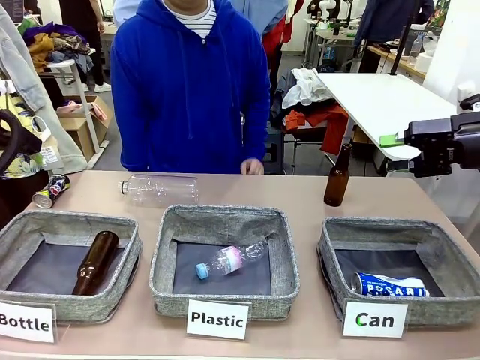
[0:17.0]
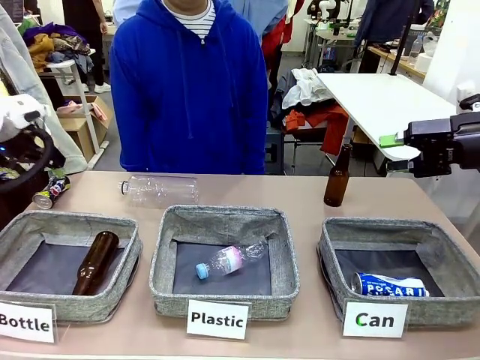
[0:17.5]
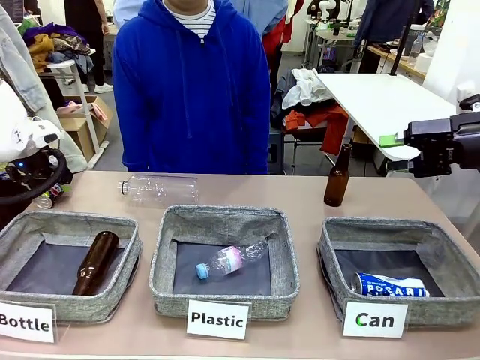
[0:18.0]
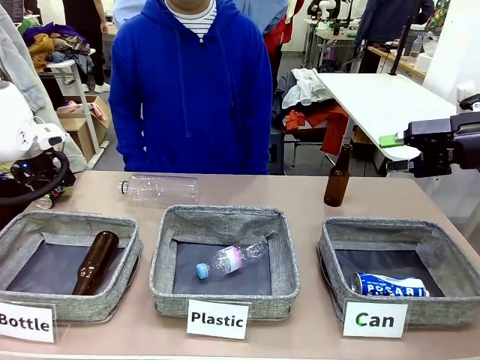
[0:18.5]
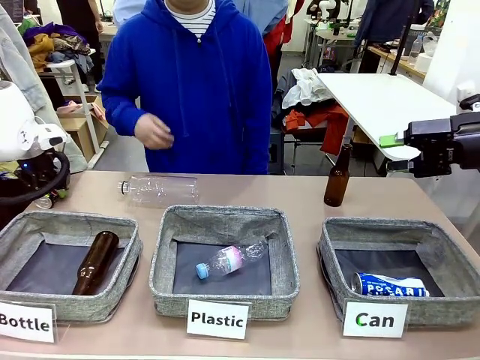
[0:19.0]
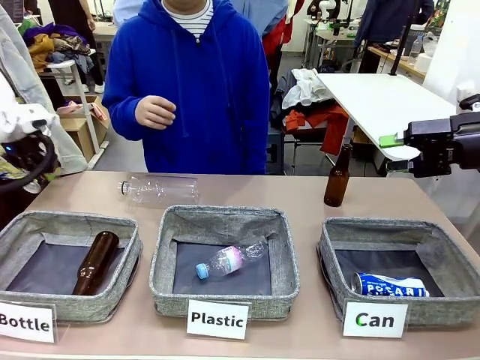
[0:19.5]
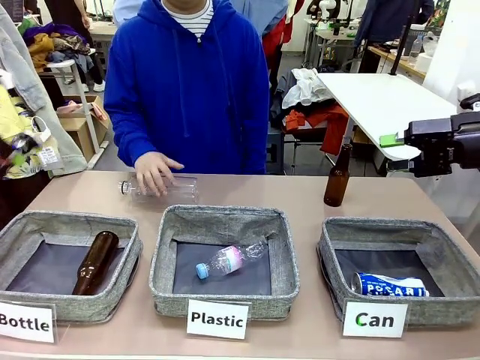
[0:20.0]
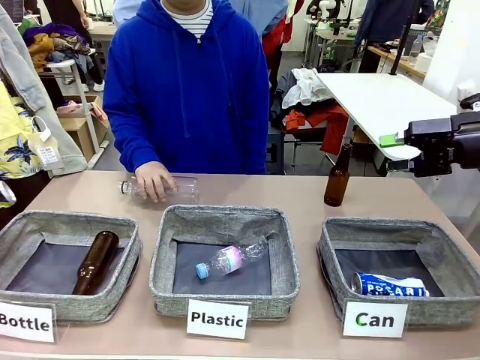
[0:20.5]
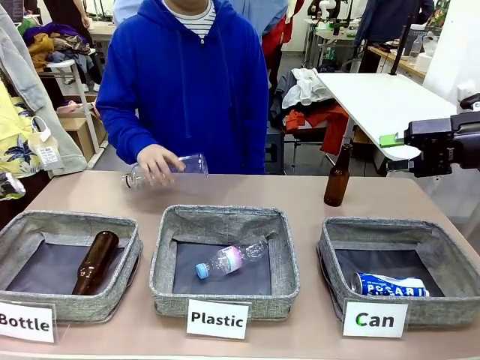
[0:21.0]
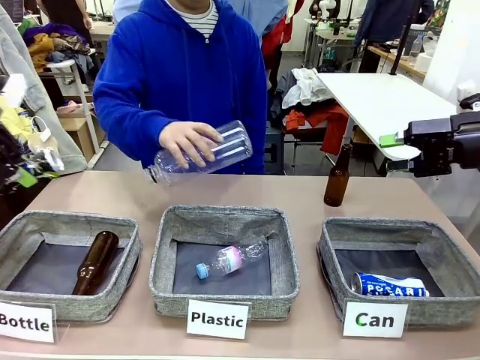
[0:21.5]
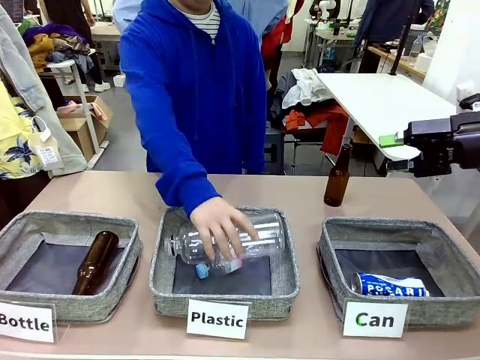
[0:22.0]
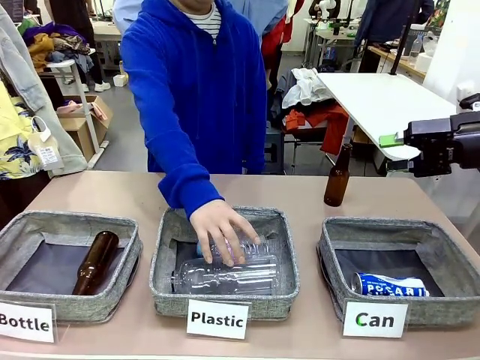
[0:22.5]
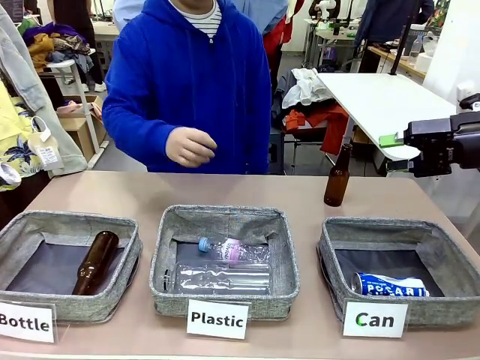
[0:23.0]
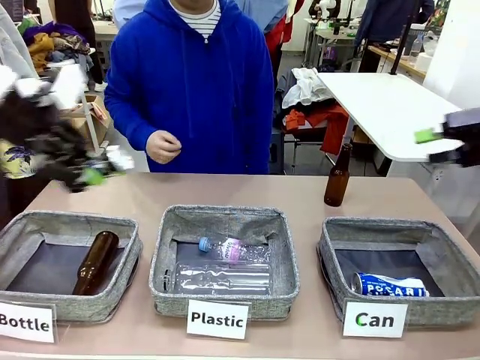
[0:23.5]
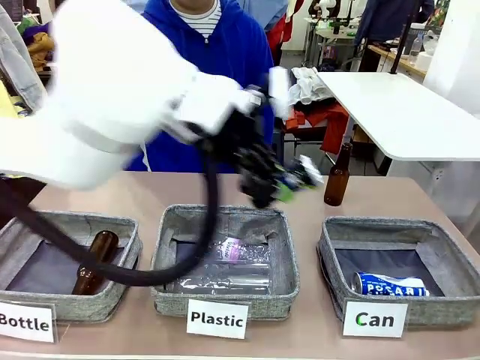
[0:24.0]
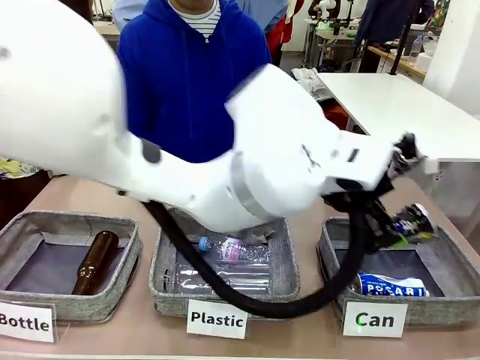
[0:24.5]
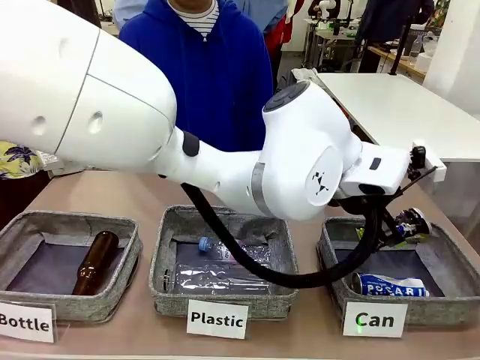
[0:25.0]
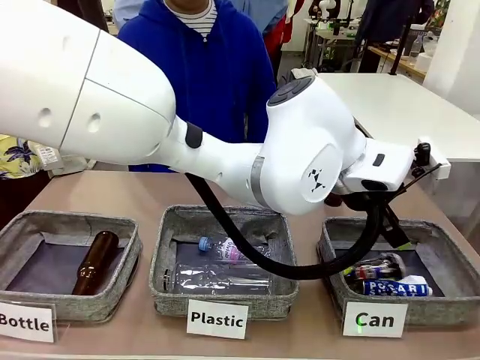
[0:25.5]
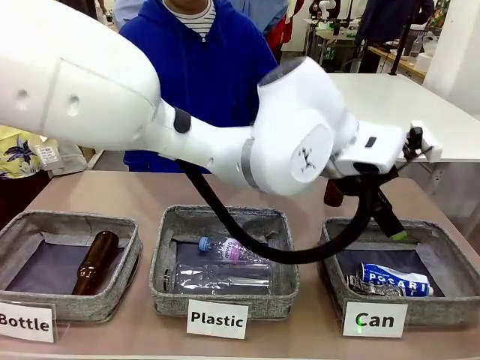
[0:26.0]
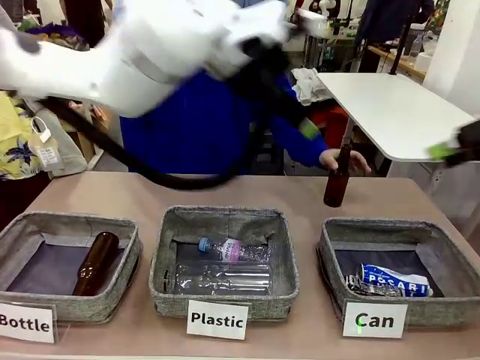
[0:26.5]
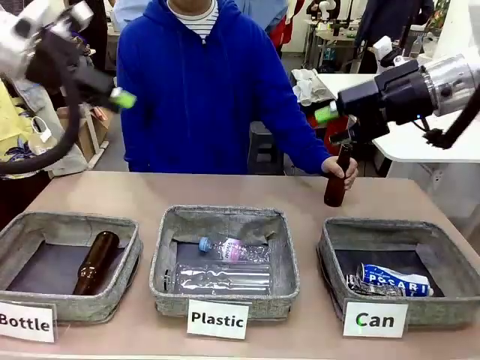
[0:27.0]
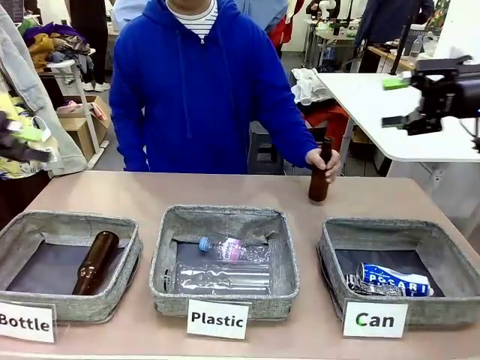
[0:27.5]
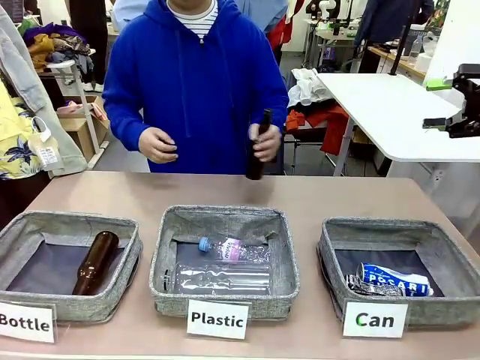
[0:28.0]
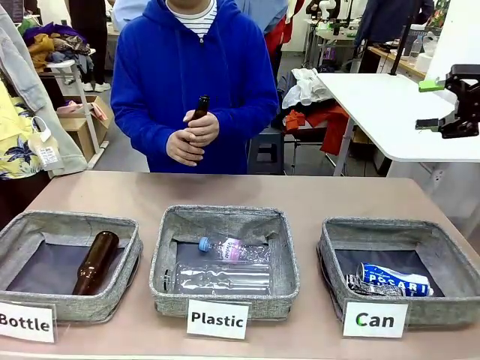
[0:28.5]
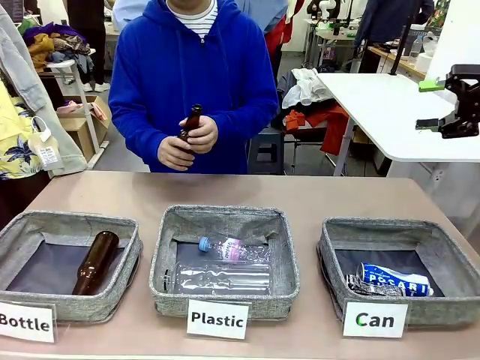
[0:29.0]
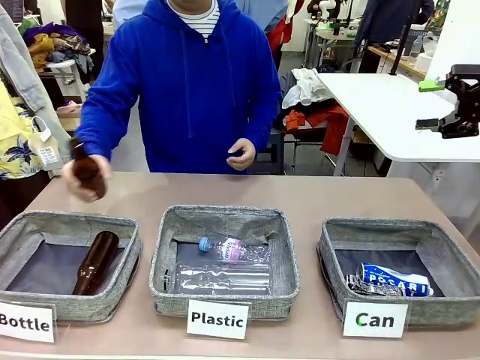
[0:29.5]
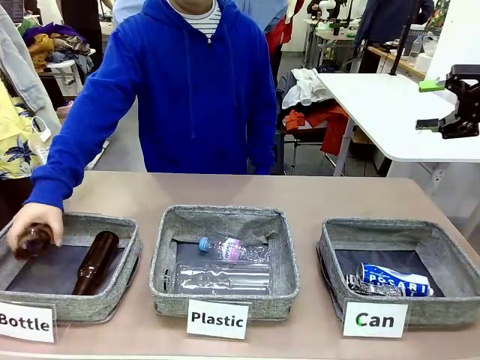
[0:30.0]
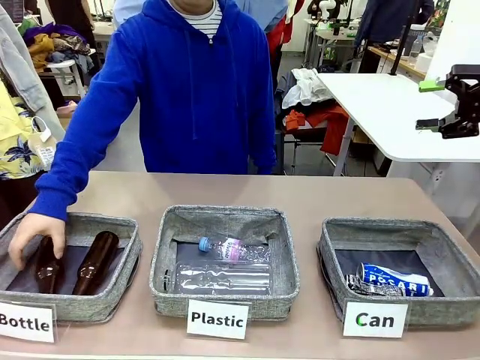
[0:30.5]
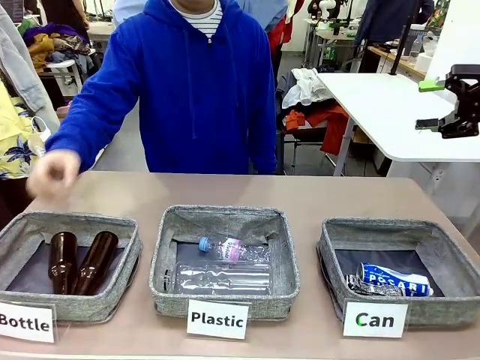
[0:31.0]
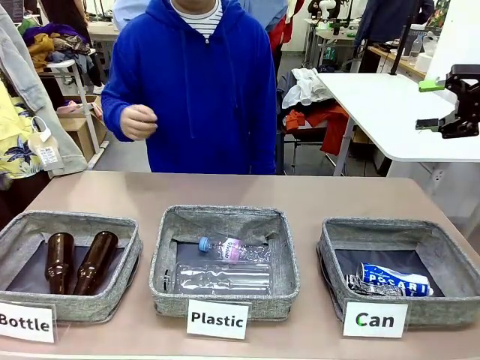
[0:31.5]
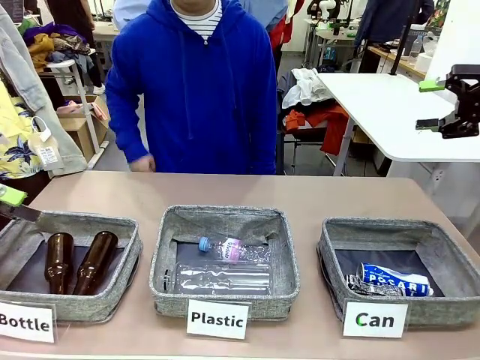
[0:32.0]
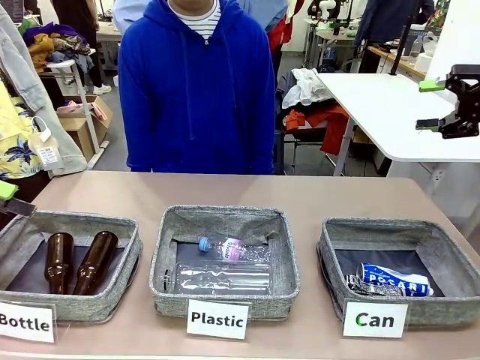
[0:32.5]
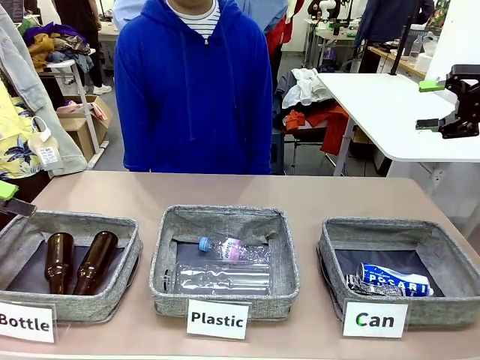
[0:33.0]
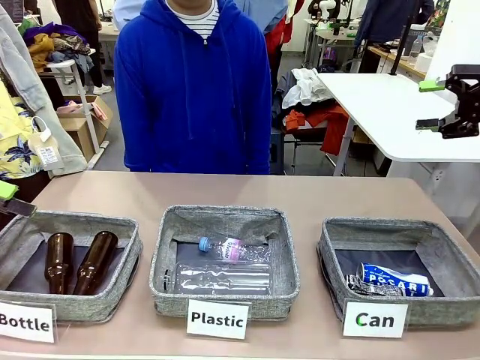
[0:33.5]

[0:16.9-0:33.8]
Task: Sort the can waste into the basket.
Robot: Pick up the can waste from the table and place it in the right Fabric basket.
